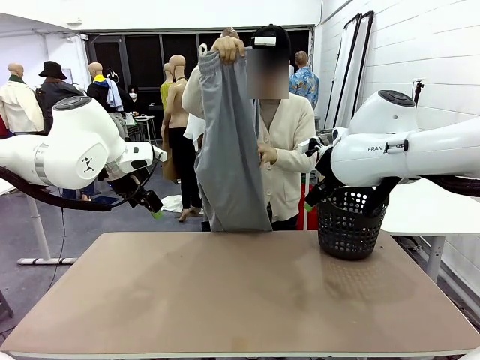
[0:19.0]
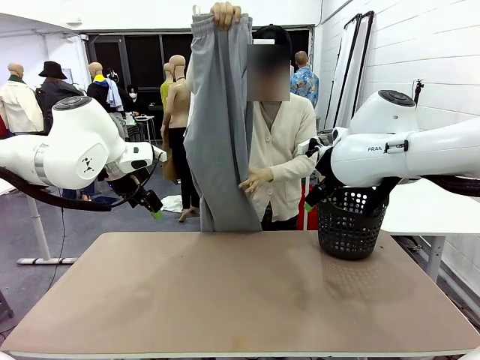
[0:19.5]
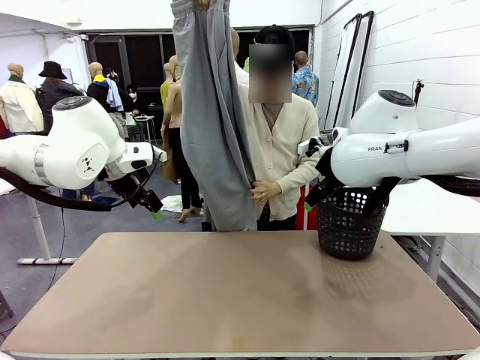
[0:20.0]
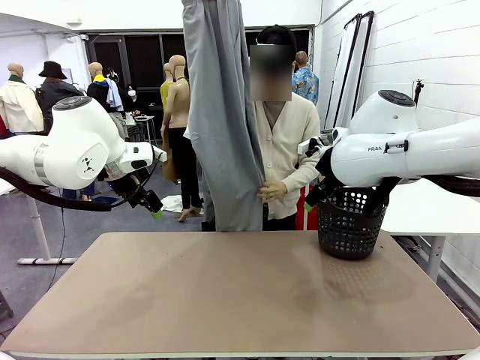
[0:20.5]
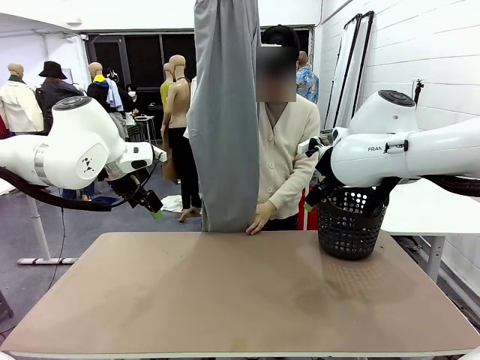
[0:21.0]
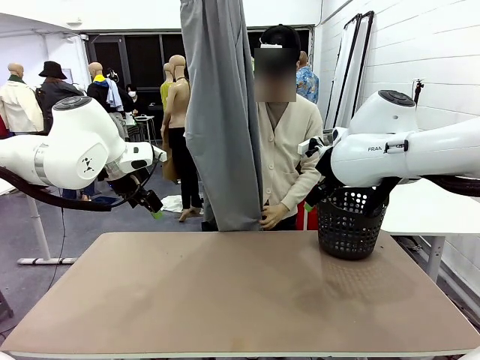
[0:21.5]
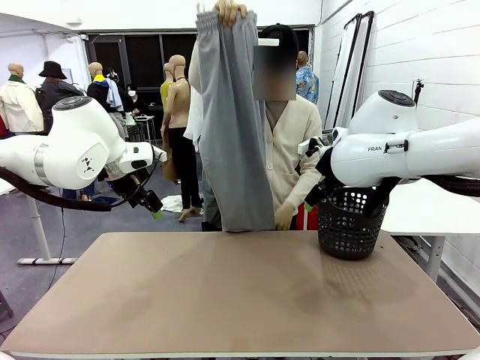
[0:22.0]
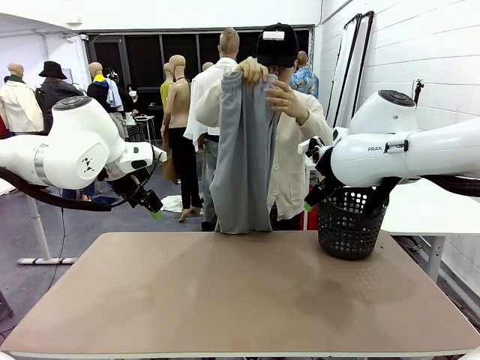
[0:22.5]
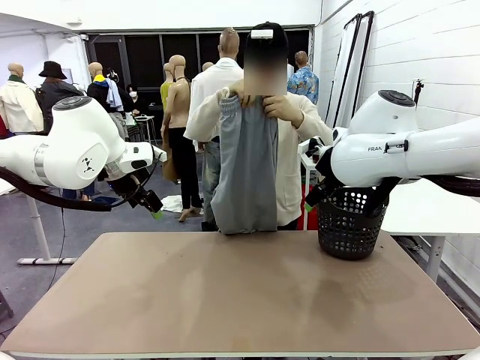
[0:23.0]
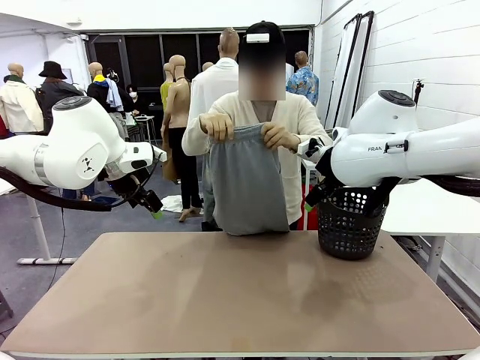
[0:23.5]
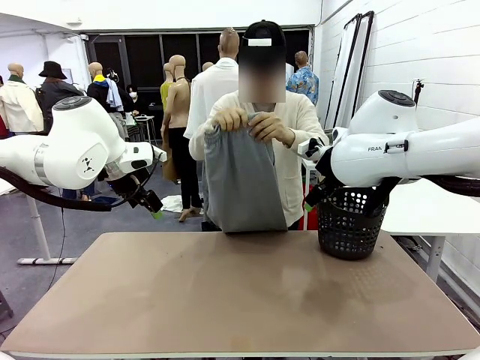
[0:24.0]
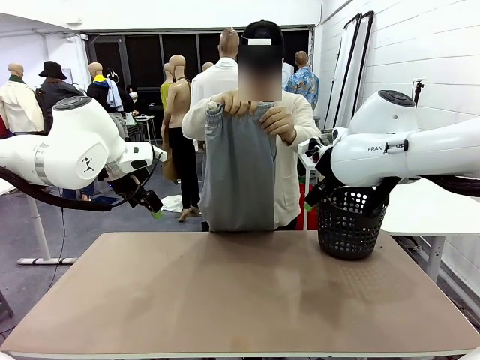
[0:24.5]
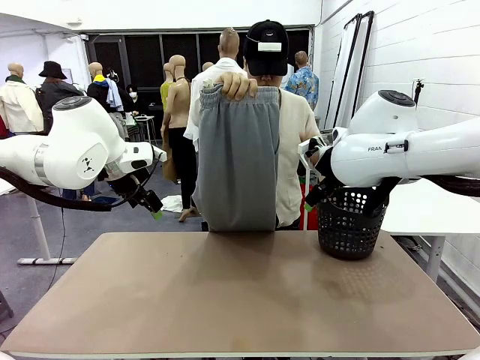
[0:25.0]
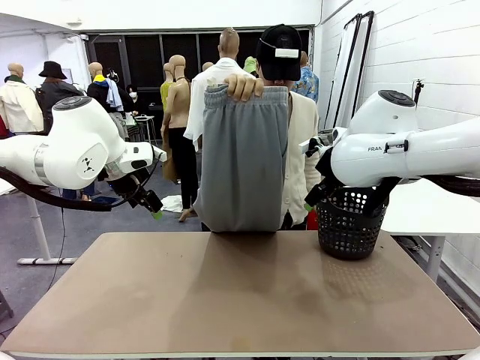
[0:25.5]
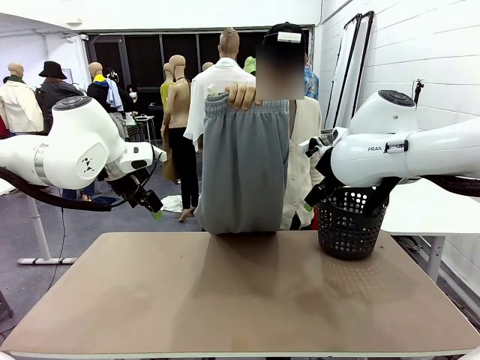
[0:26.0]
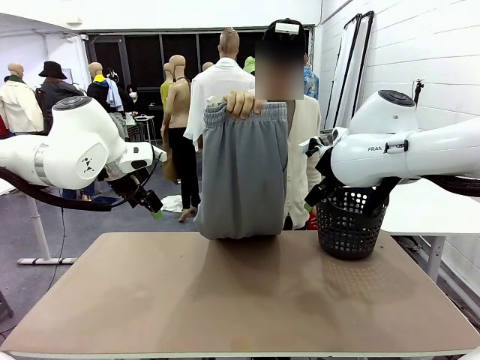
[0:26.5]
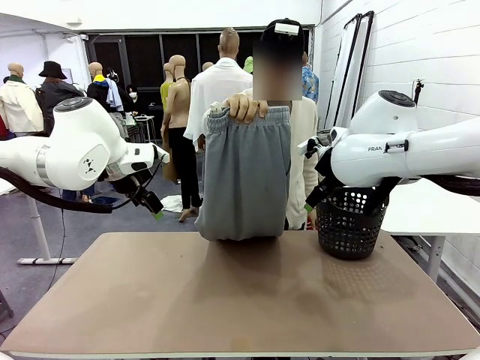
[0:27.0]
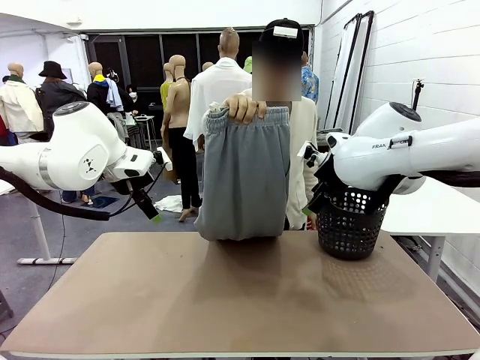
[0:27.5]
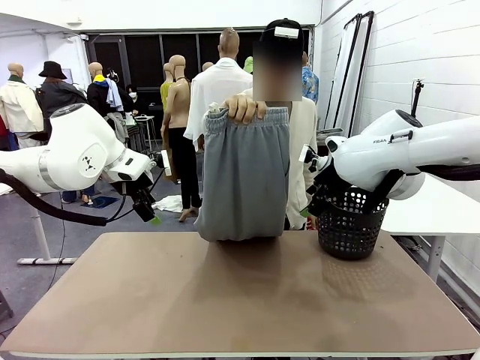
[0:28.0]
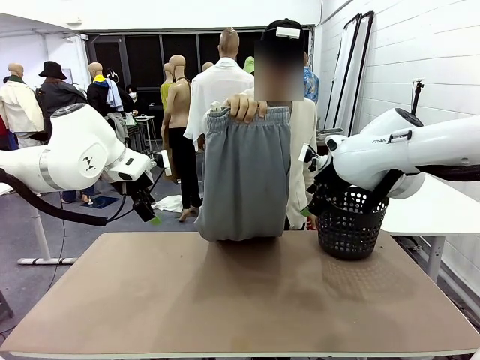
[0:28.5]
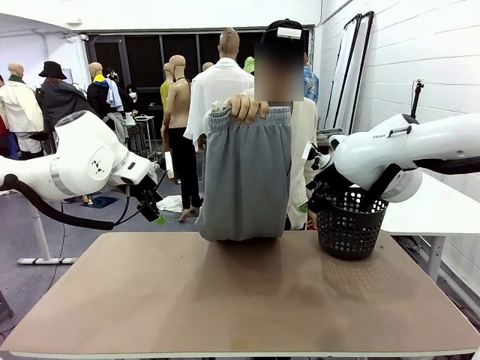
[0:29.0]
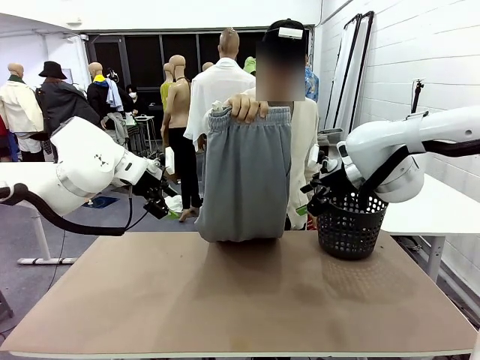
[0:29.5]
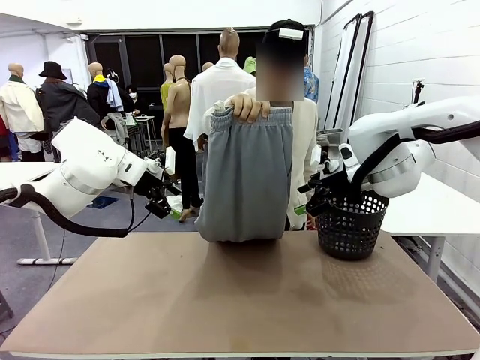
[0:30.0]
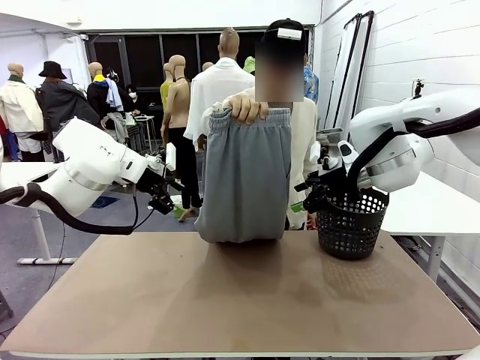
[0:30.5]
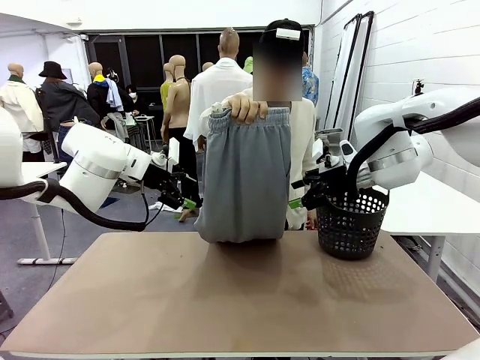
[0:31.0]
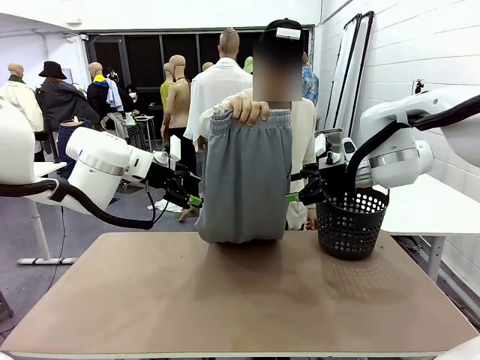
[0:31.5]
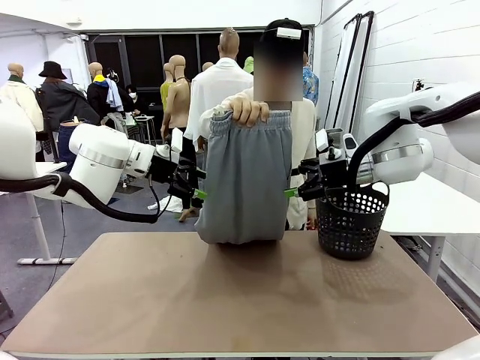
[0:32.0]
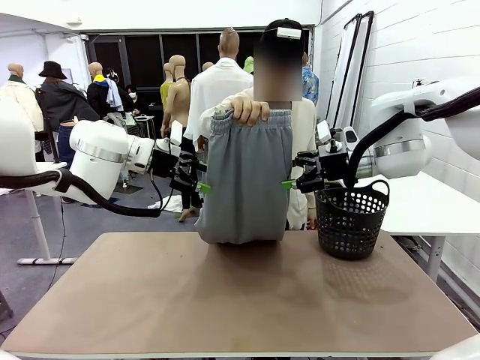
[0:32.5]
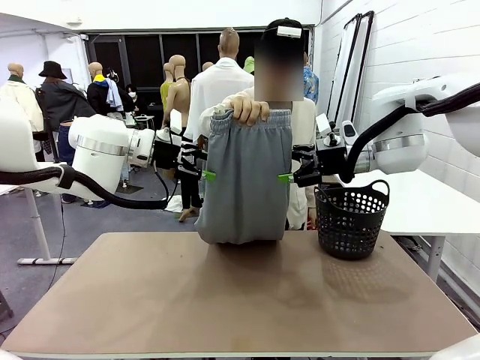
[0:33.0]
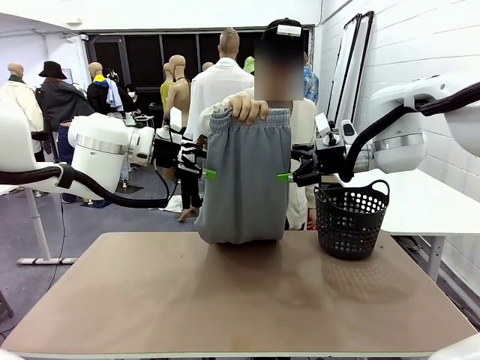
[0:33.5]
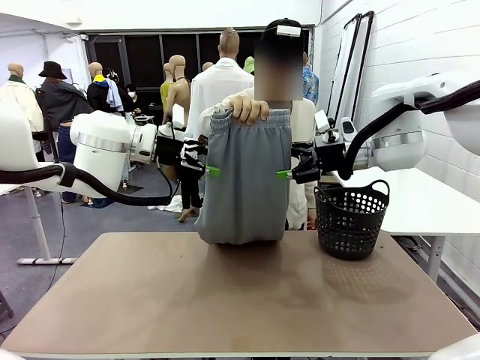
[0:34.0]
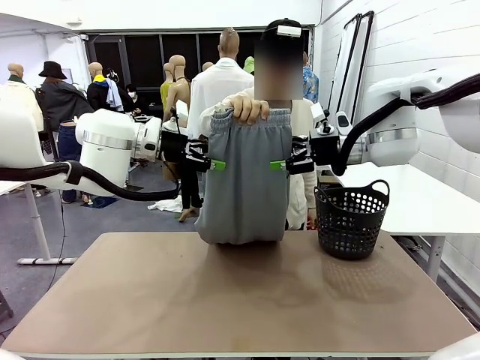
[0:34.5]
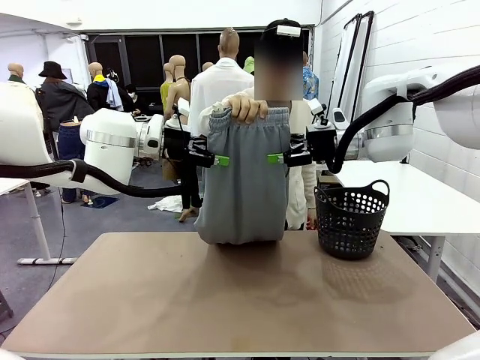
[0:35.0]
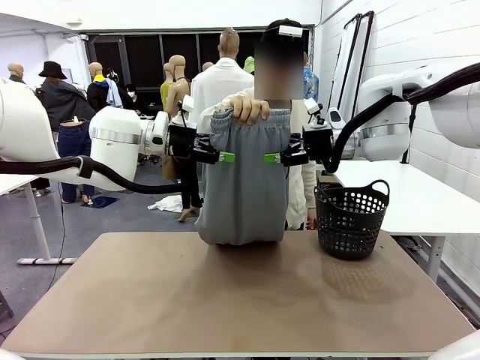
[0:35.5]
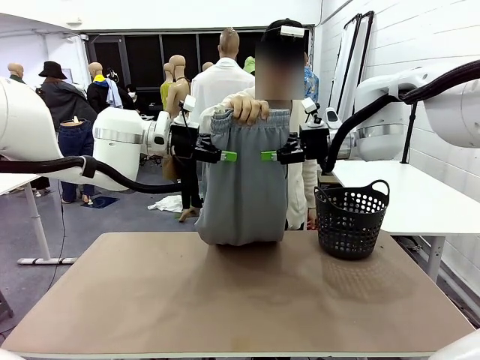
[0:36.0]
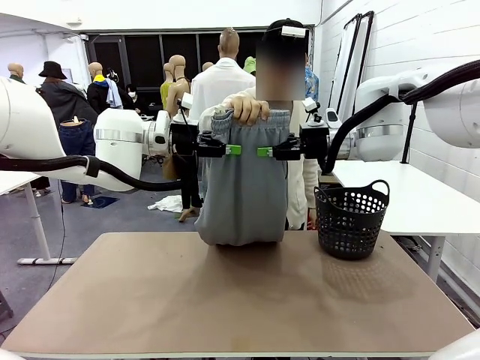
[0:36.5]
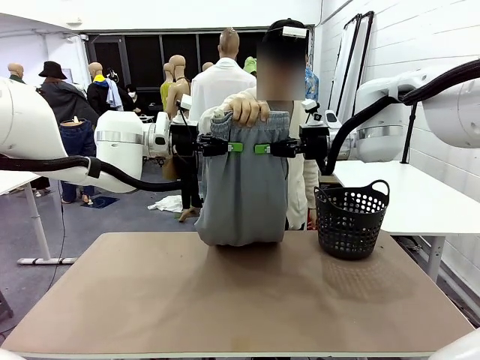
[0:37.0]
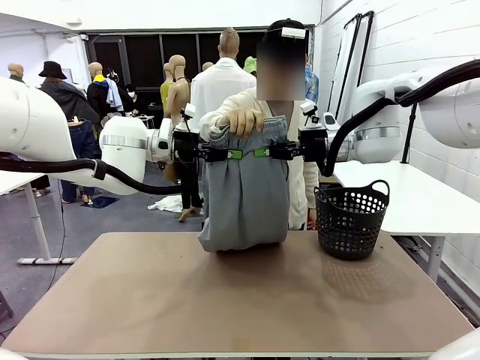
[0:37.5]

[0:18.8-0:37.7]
Task: Fold the training pants.
Robot: Grab both ends of the Training pants handed by a person.

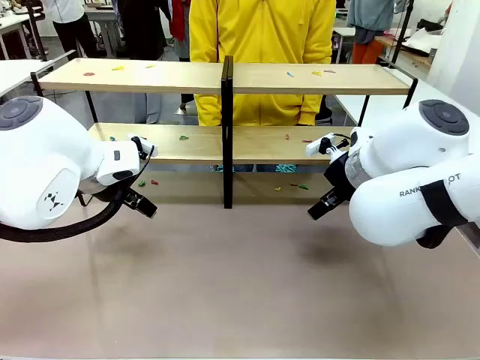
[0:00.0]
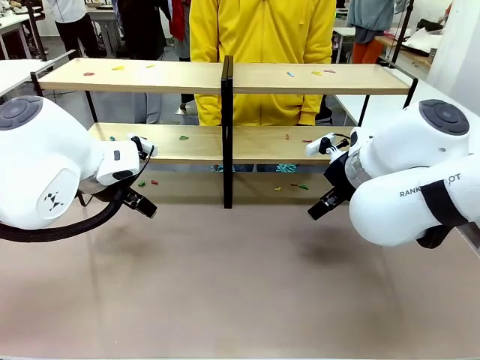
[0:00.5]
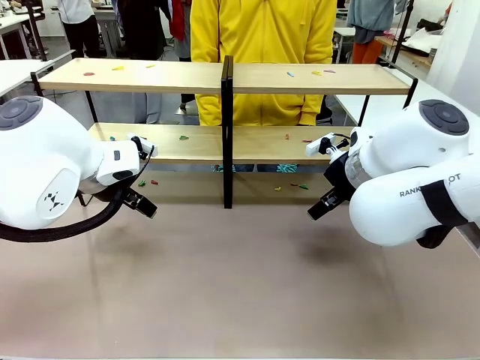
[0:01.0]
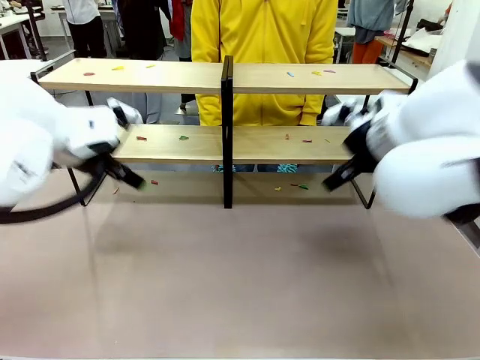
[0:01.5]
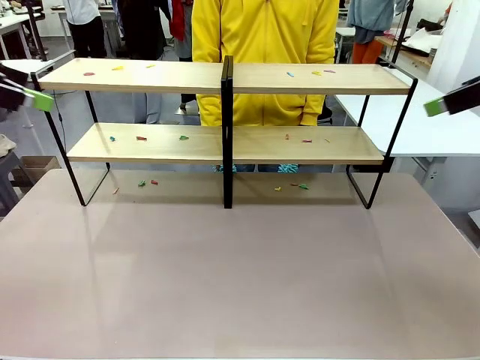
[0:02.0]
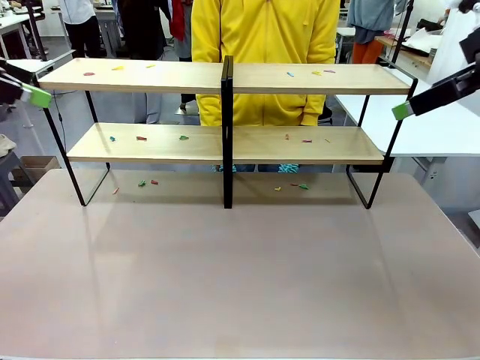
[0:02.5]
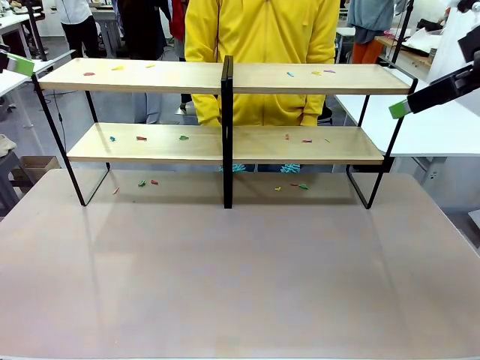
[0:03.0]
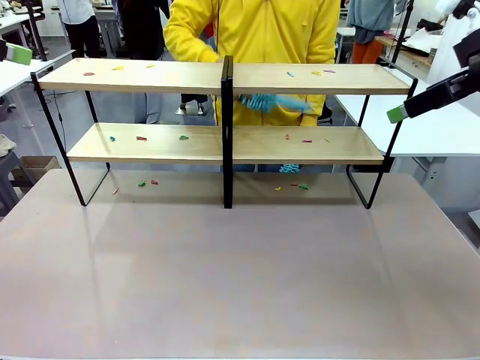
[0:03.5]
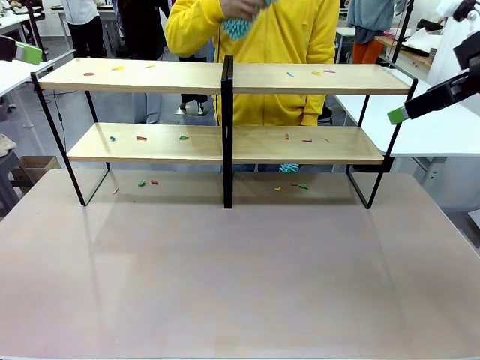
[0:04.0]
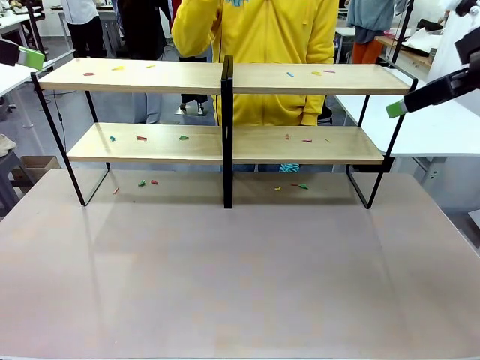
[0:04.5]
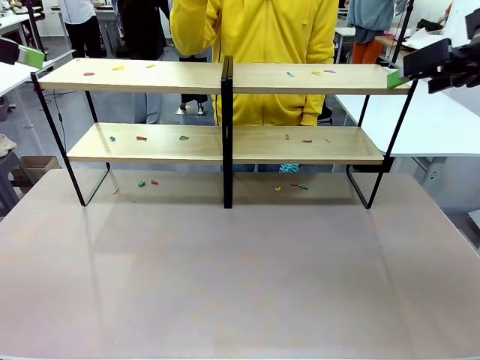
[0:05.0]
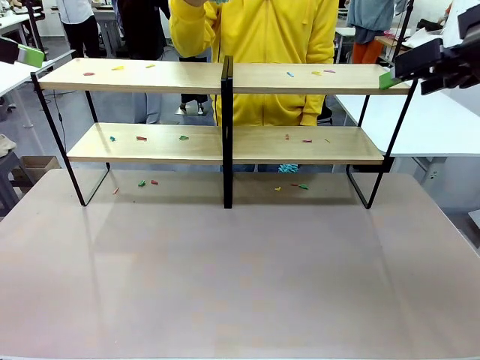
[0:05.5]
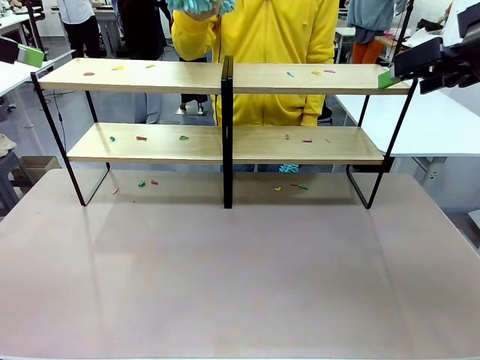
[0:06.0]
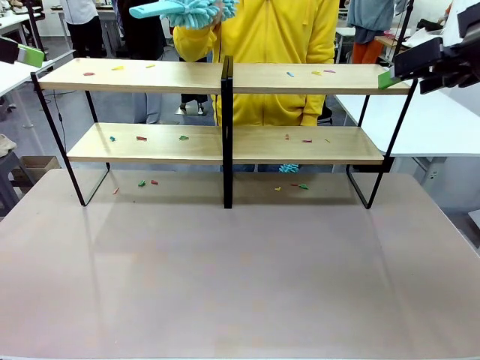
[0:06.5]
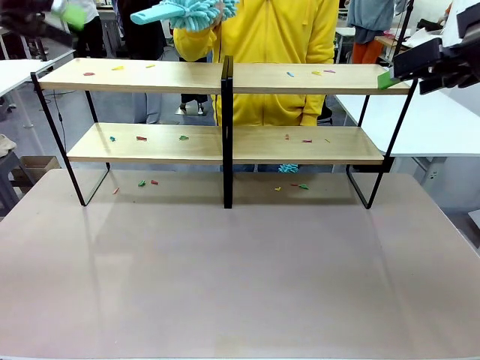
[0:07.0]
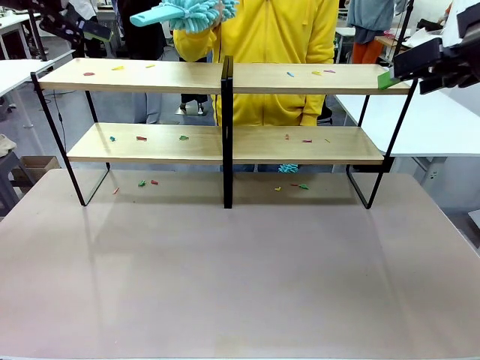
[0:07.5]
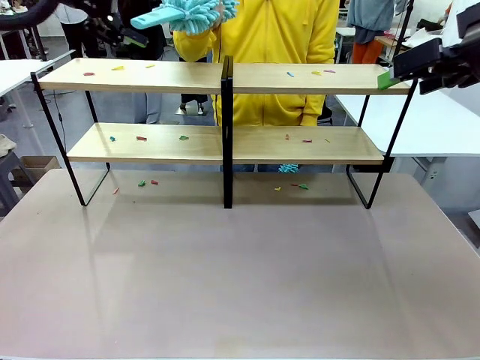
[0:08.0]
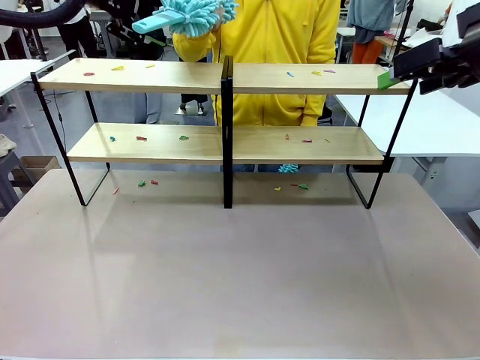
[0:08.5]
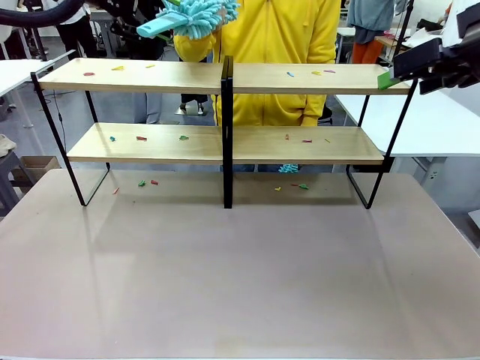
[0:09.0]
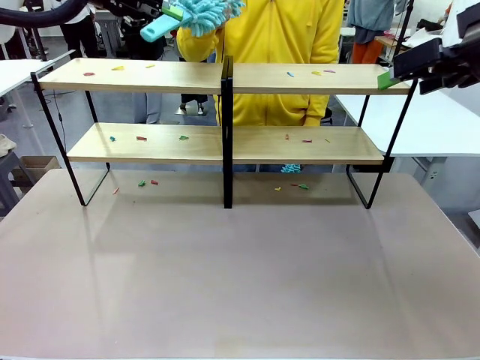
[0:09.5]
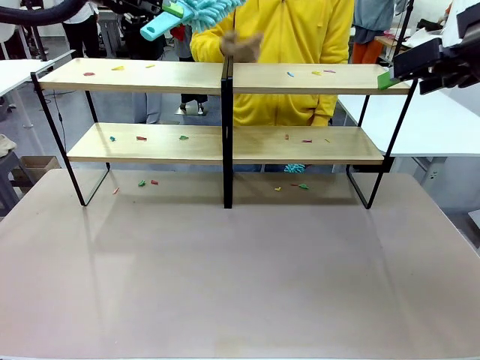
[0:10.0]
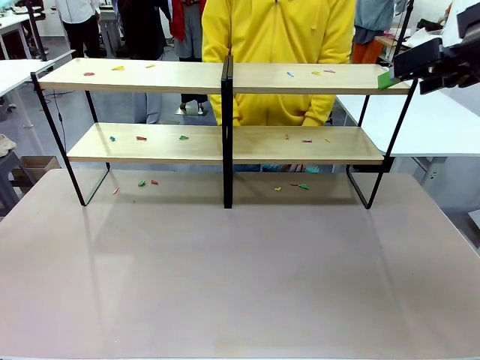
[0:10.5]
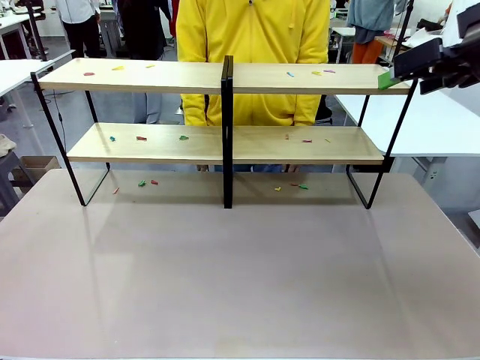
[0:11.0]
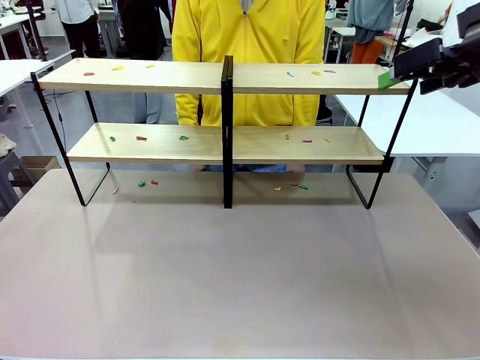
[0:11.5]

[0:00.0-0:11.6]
Task: Clean the shelves.
Robot: Pick up the Duster when the human hands it over.
Person: Hand the Duster to the robot with your right (or left) hand.
